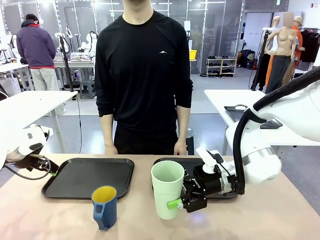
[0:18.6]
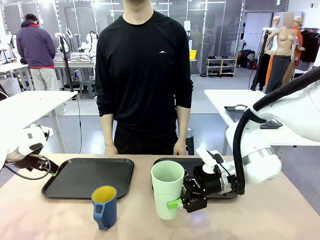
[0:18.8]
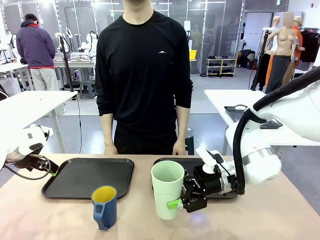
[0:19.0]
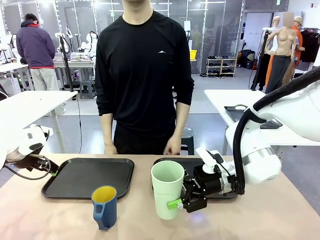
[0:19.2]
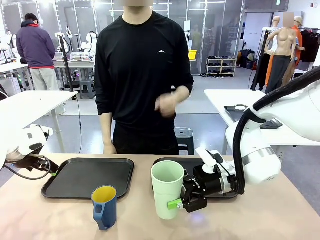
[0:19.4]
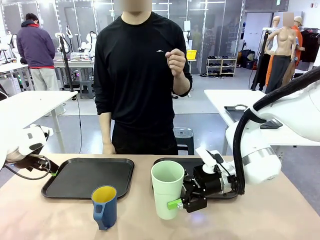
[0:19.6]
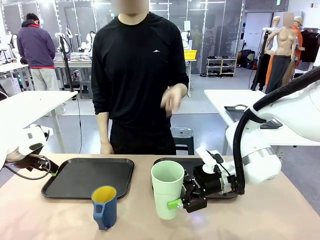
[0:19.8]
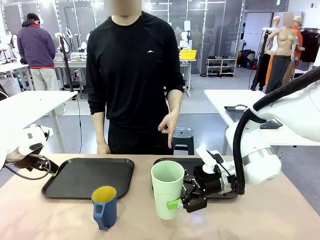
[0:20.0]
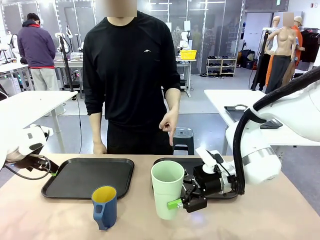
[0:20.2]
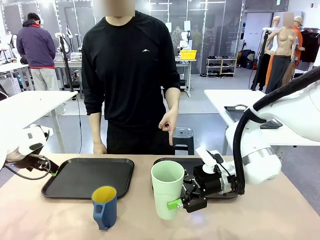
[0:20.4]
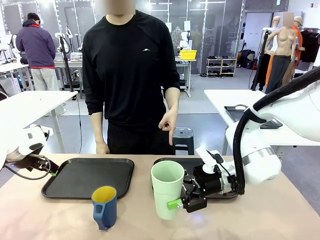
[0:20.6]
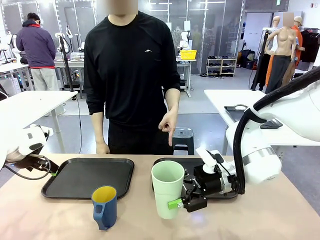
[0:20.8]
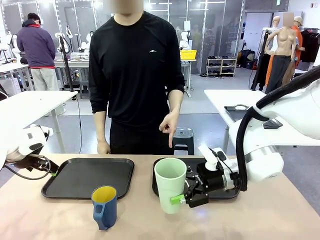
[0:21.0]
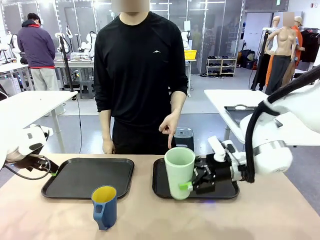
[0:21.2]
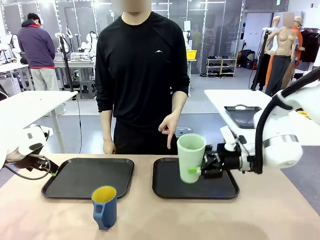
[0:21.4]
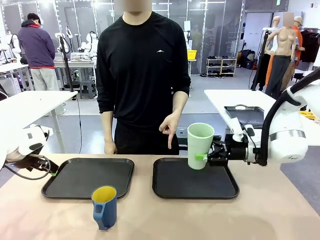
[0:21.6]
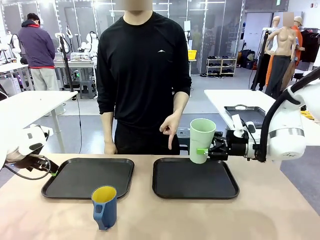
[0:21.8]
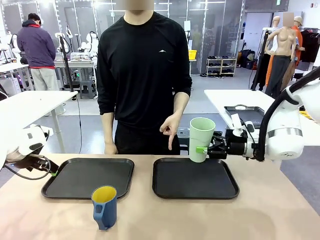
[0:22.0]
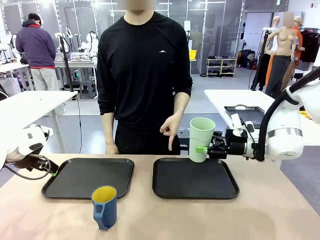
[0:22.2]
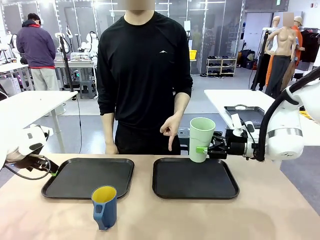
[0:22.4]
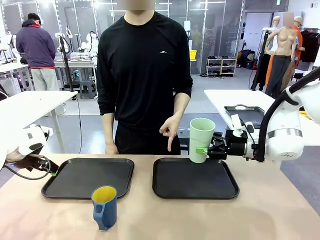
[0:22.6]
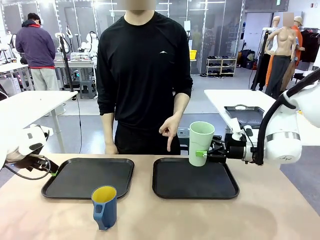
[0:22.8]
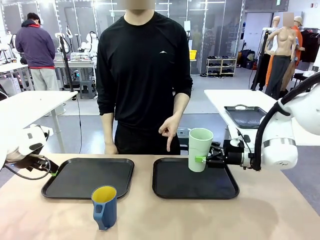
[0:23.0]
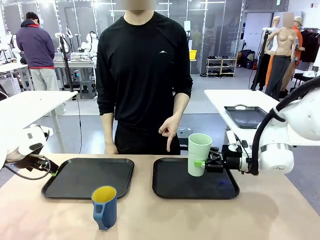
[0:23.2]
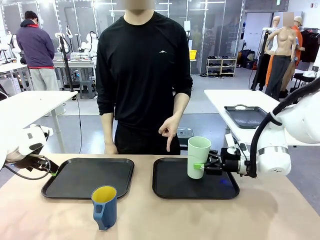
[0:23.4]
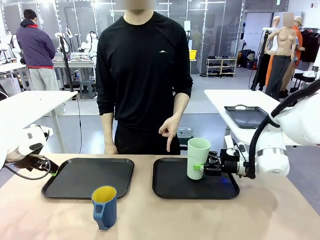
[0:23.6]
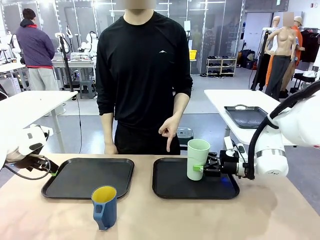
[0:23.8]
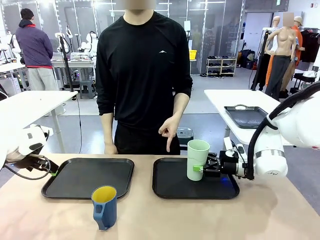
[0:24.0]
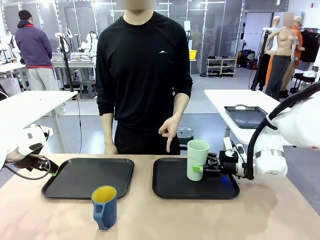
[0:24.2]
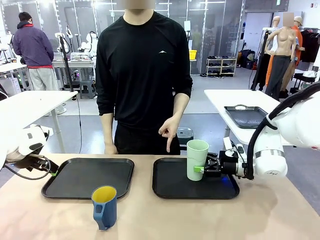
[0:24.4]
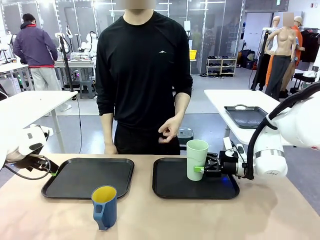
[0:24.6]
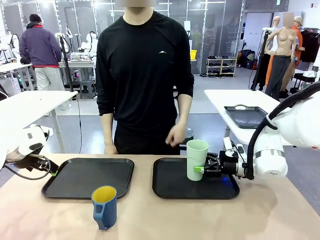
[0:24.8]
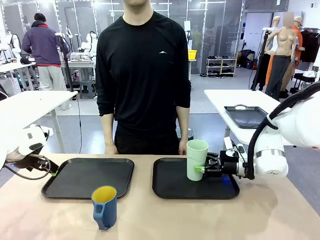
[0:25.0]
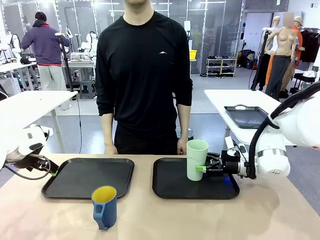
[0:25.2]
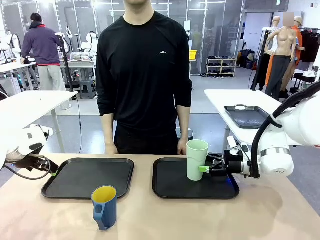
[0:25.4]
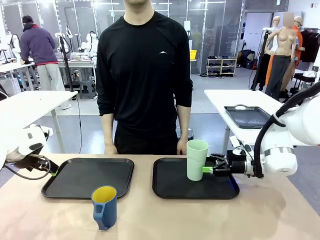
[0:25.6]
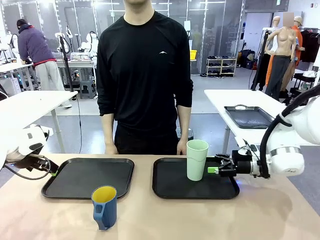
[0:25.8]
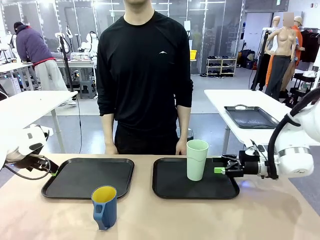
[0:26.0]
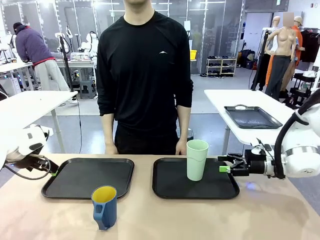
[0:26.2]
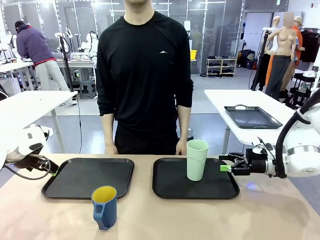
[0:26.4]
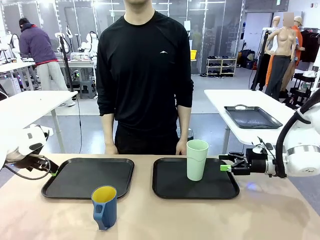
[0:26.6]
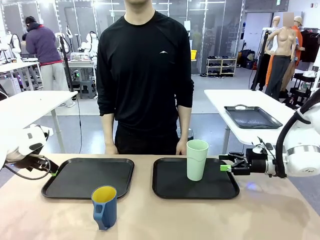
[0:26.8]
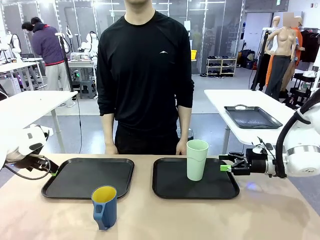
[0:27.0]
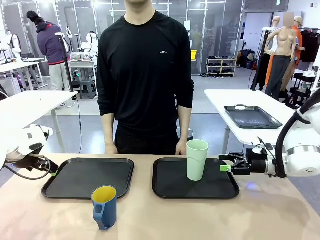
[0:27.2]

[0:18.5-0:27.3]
Task: Sort and store the cups by type.
Robot: Place the picked Reusable plastic cup into the Flat Tray indicated by the person.

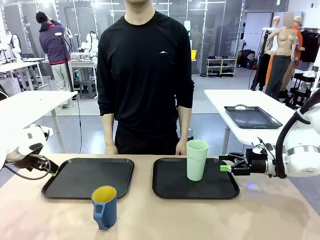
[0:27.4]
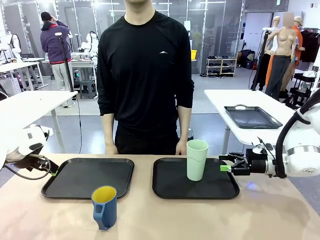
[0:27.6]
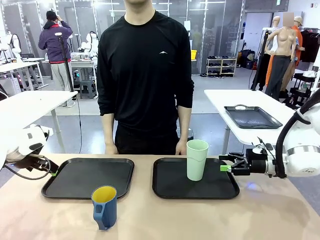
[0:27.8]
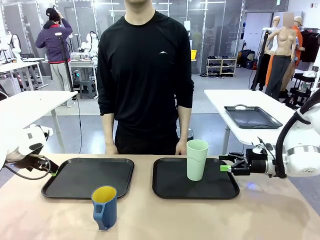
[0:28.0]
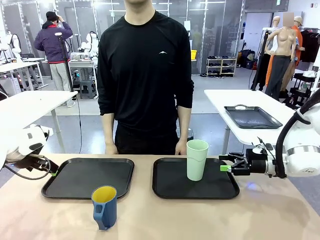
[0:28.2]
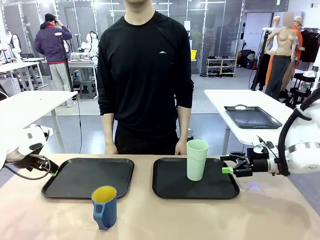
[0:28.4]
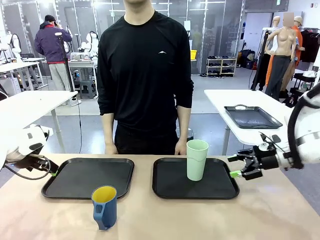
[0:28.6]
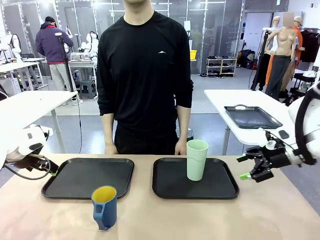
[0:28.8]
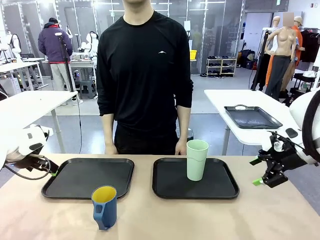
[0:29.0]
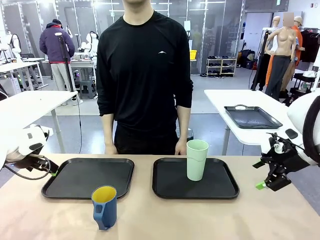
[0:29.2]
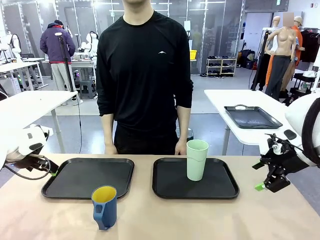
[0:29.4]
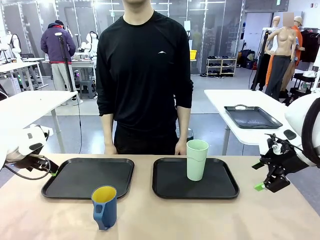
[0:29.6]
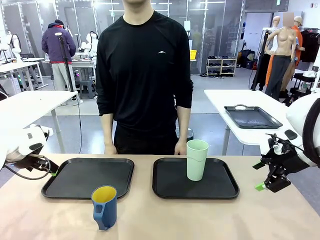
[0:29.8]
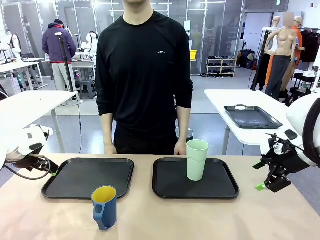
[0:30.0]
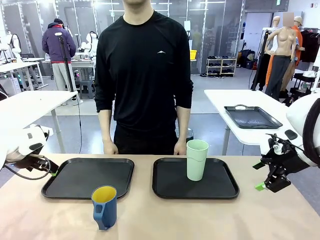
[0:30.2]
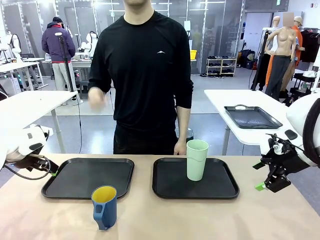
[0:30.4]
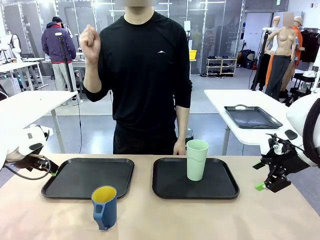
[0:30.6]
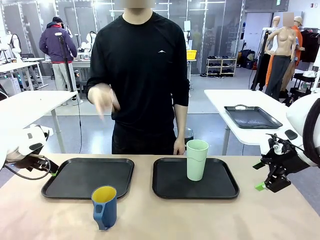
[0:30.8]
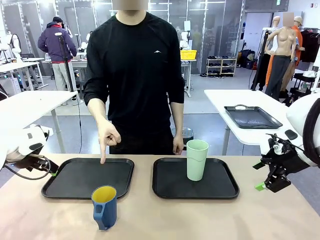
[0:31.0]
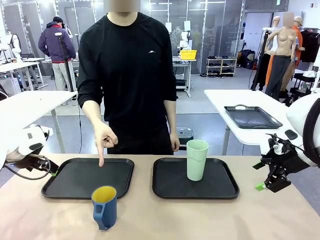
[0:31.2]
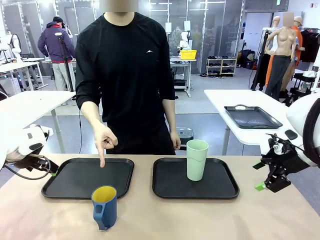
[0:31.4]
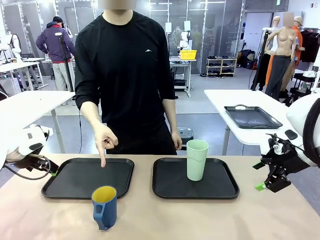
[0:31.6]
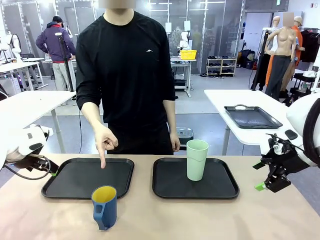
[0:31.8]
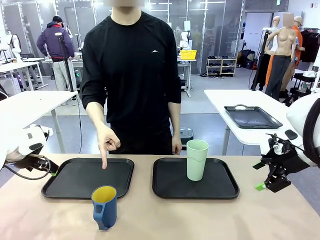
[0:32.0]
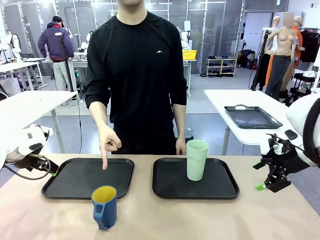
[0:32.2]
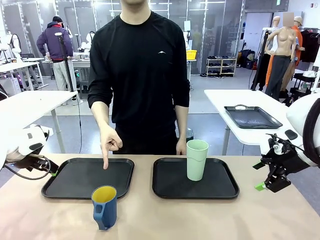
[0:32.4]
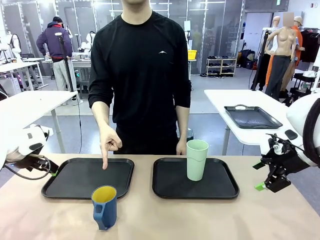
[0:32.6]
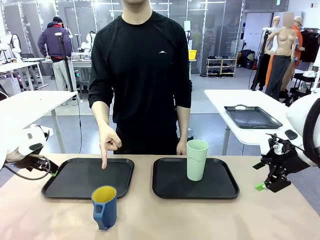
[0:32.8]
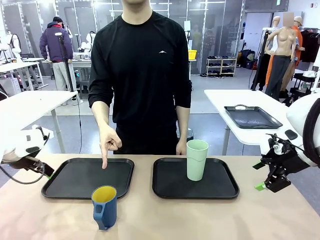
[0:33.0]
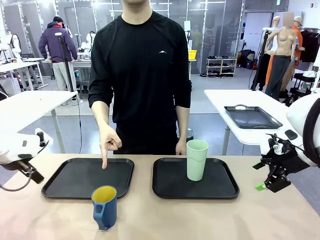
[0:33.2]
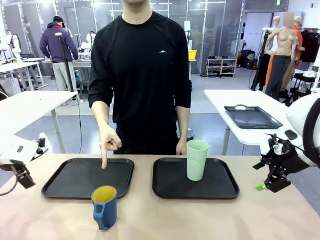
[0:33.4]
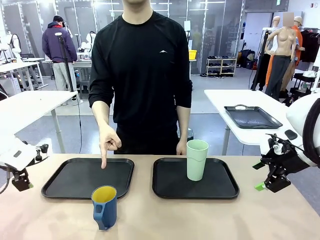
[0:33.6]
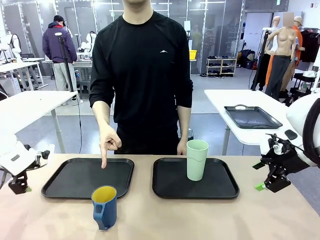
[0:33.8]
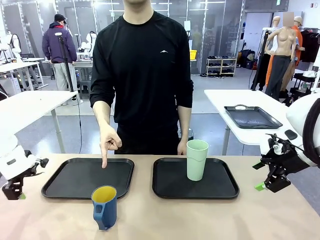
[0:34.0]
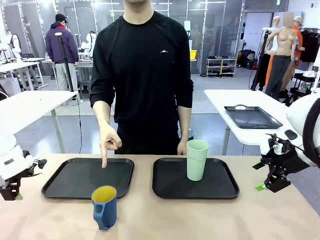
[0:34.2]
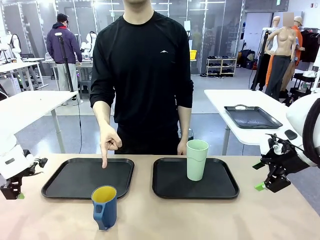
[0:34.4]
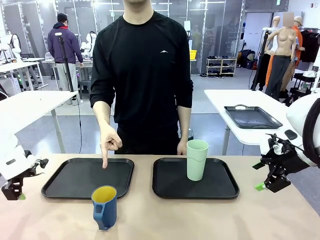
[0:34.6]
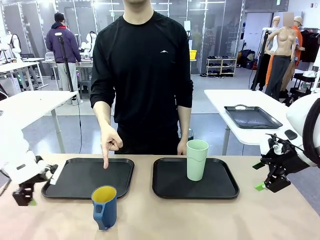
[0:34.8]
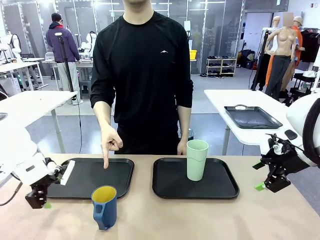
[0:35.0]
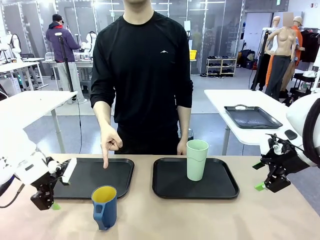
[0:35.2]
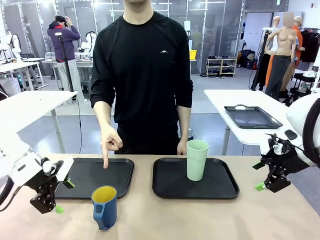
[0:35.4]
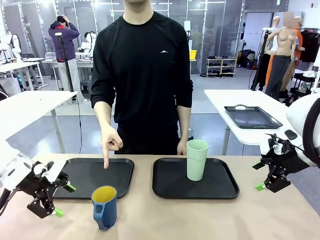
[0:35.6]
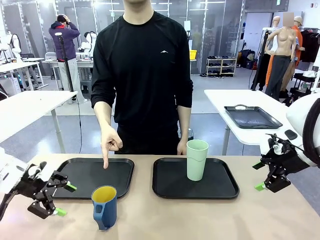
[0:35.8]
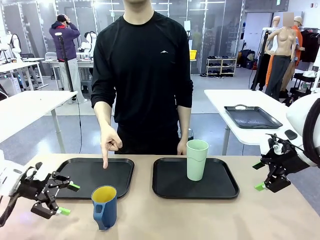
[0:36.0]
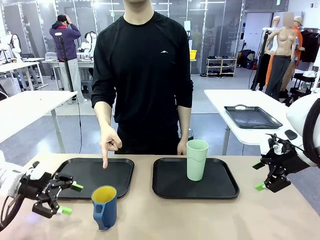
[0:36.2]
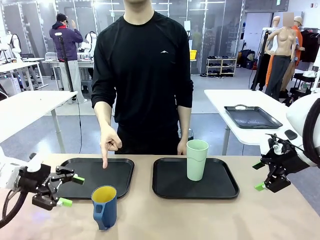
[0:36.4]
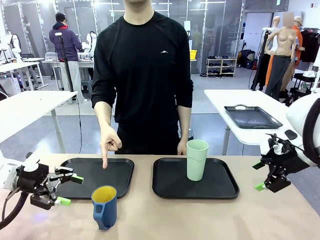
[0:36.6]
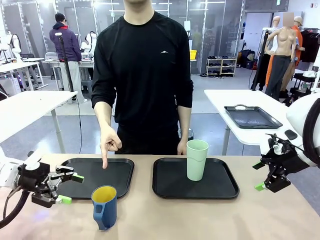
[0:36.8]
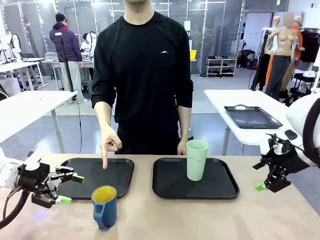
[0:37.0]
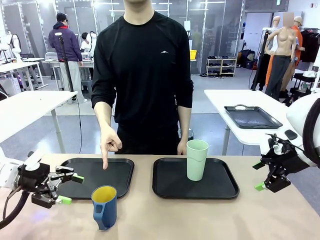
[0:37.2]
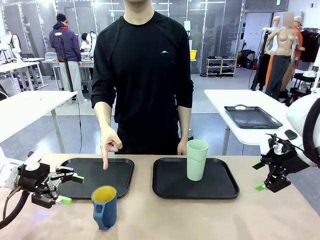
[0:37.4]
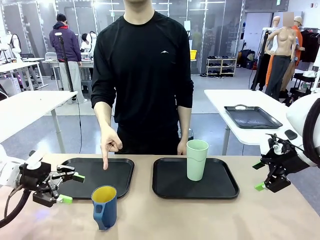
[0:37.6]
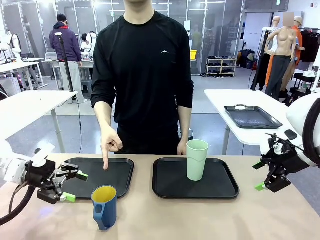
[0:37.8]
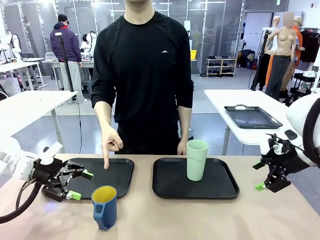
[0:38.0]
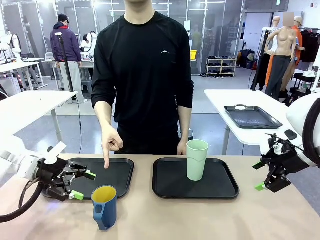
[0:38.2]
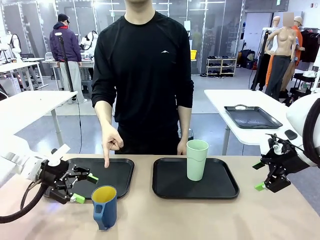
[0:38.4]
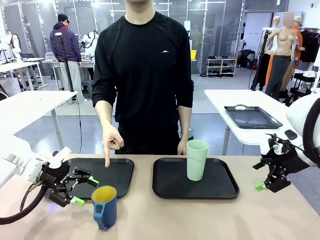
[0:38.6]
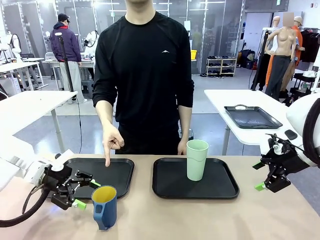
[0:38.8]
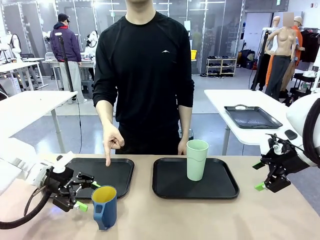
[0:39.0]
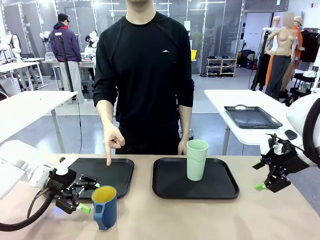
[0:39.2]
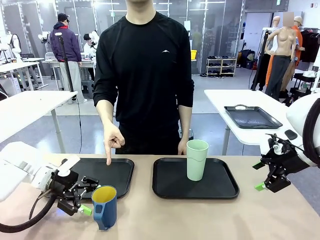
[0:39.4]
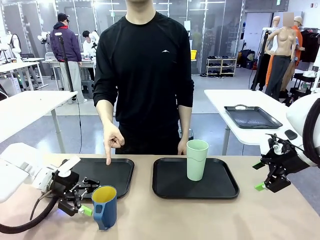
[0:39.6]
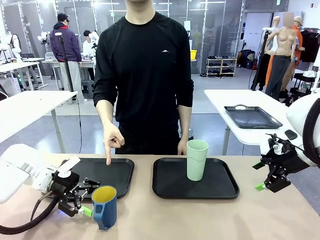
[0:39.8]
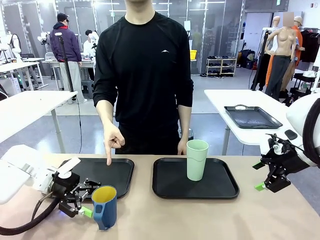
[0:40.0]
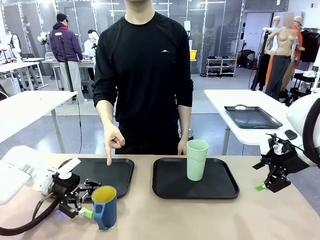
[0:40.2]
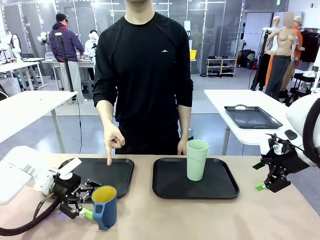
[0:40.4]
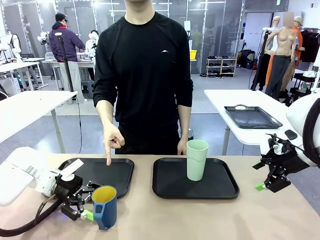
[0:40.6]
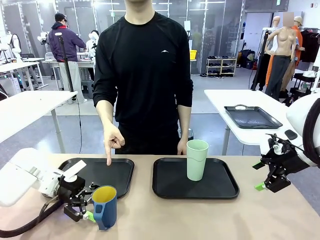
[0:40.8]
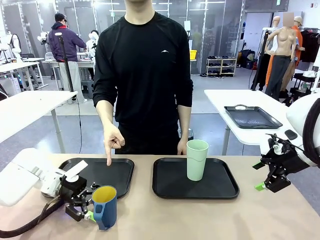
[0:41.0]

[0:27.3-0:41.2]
Robot: Pick up the Handle plastic cup and place it into the empty Flat Tray.
